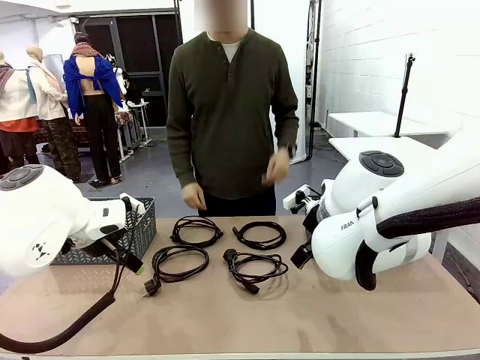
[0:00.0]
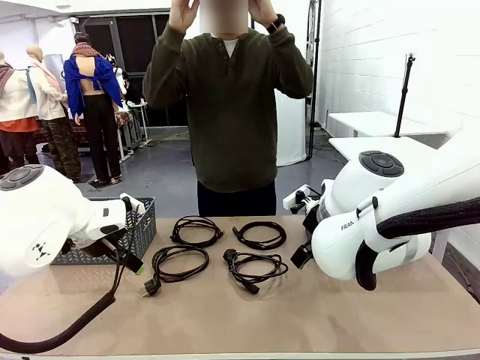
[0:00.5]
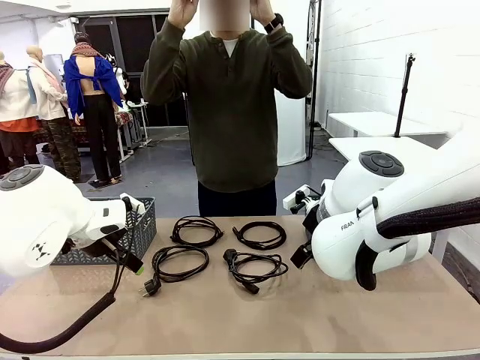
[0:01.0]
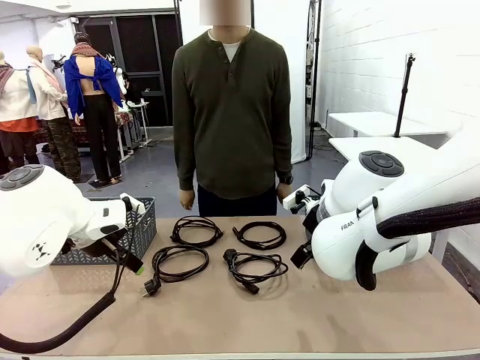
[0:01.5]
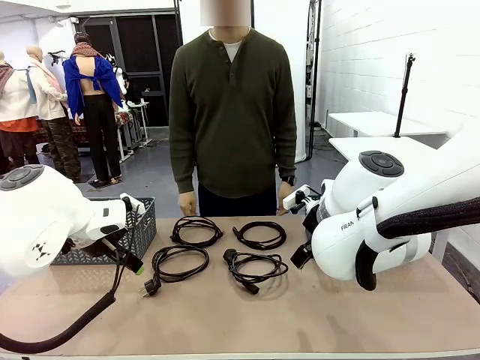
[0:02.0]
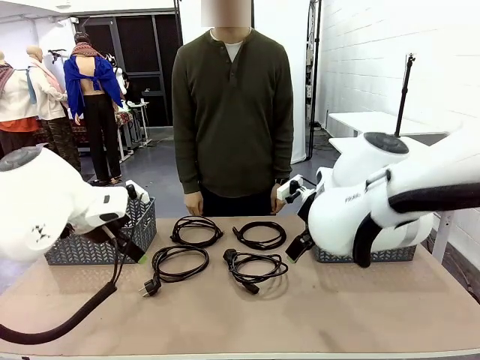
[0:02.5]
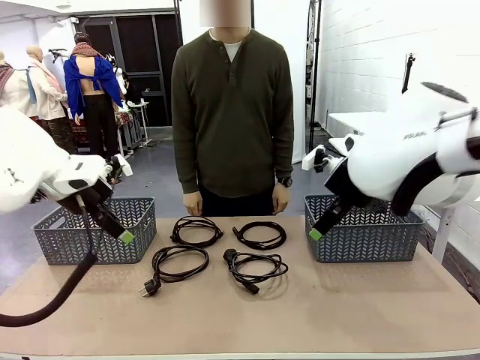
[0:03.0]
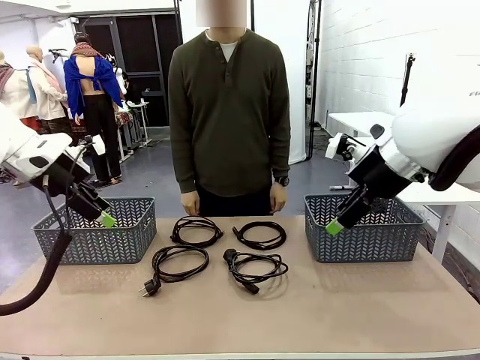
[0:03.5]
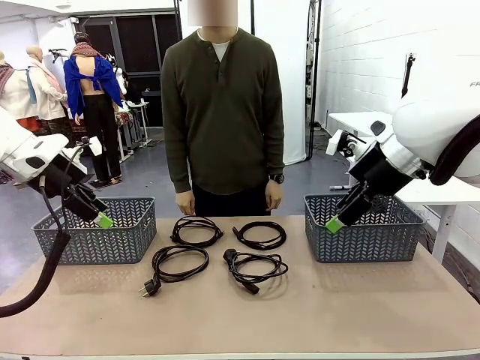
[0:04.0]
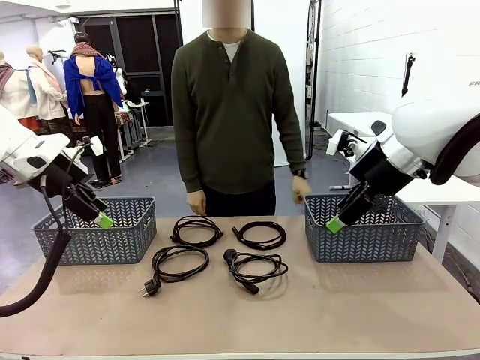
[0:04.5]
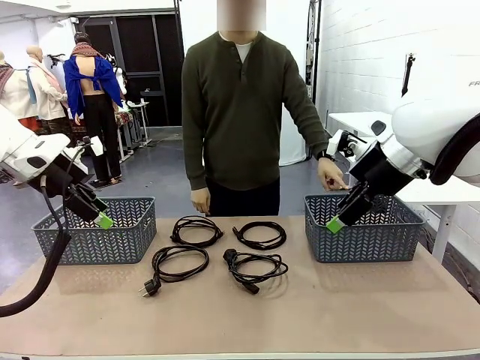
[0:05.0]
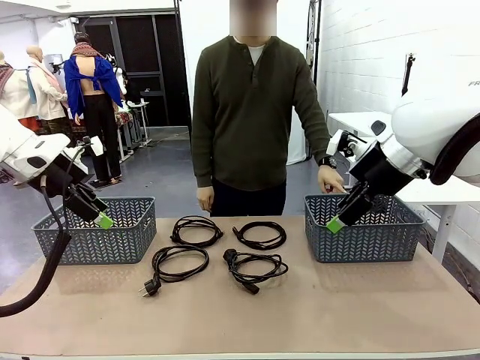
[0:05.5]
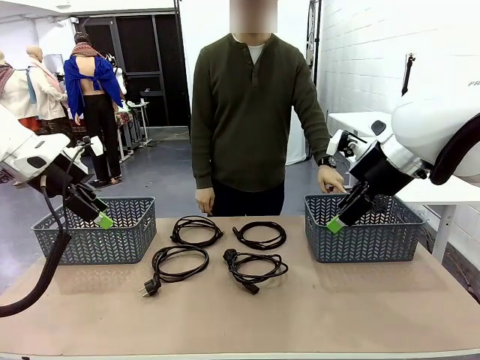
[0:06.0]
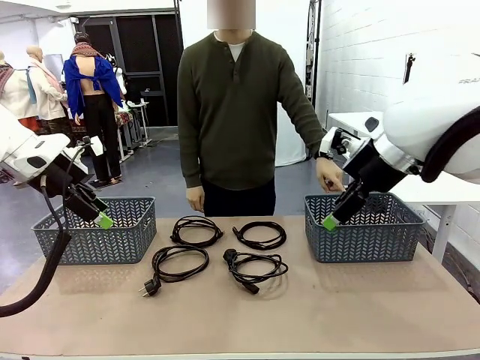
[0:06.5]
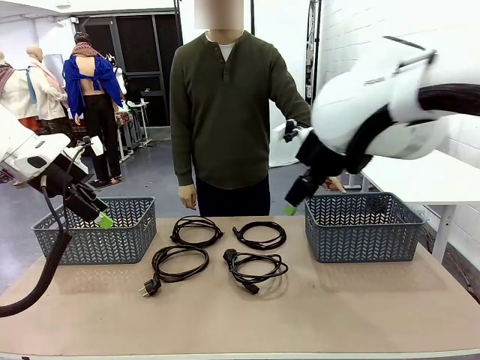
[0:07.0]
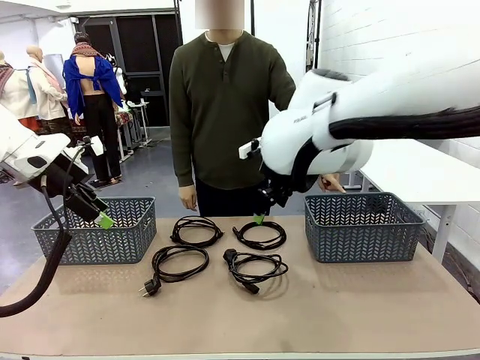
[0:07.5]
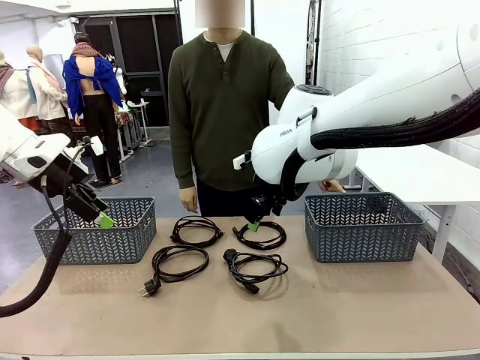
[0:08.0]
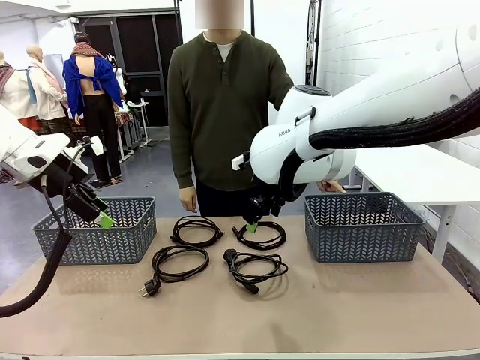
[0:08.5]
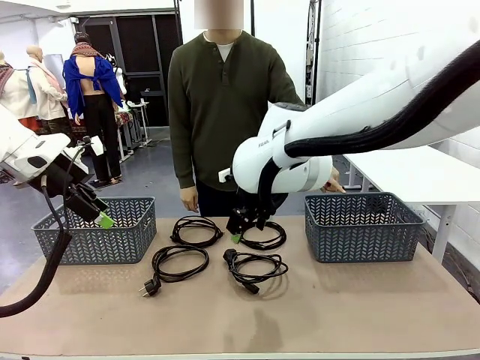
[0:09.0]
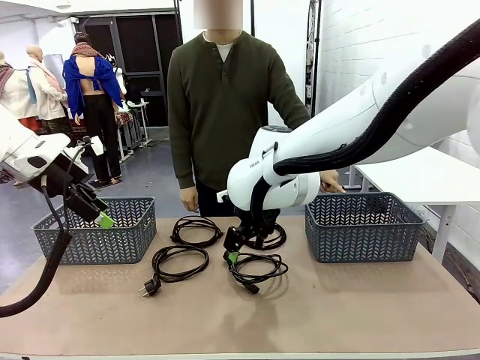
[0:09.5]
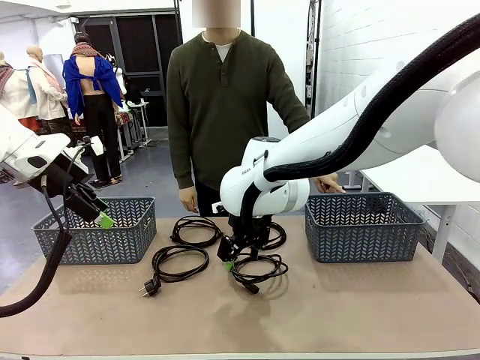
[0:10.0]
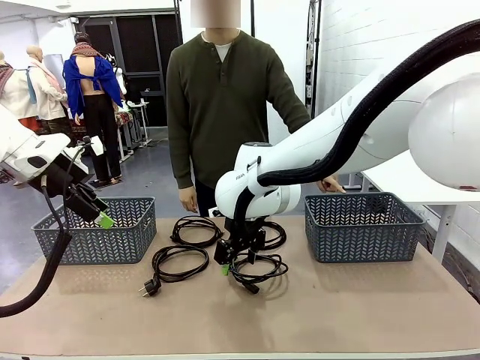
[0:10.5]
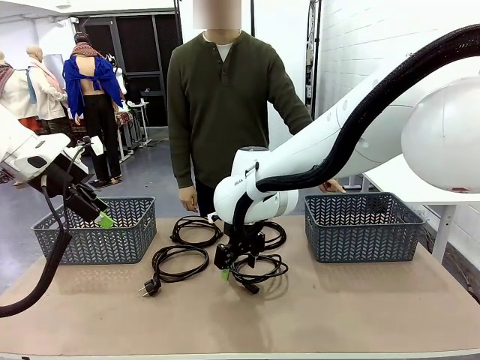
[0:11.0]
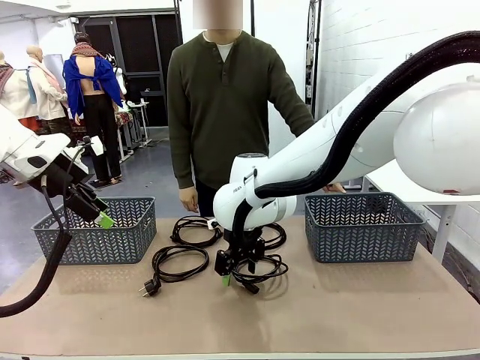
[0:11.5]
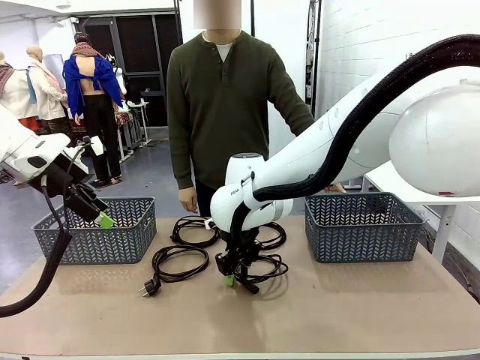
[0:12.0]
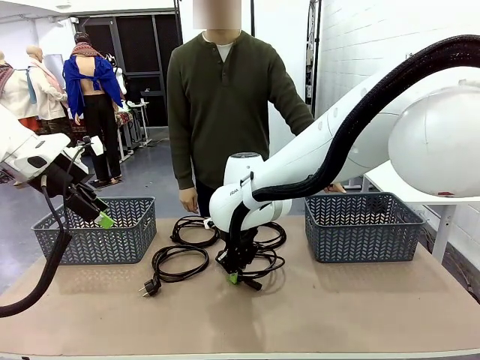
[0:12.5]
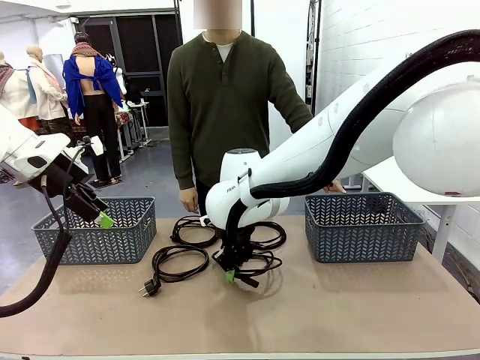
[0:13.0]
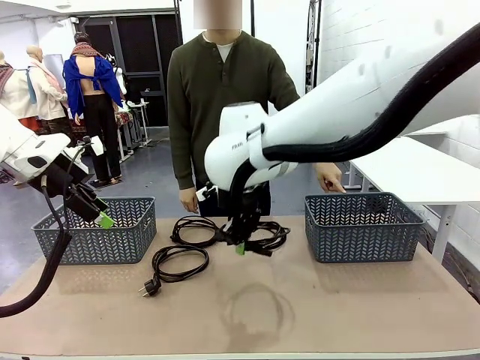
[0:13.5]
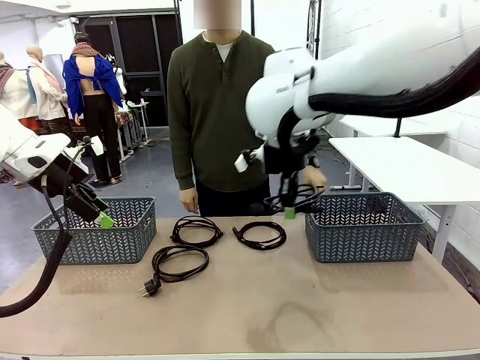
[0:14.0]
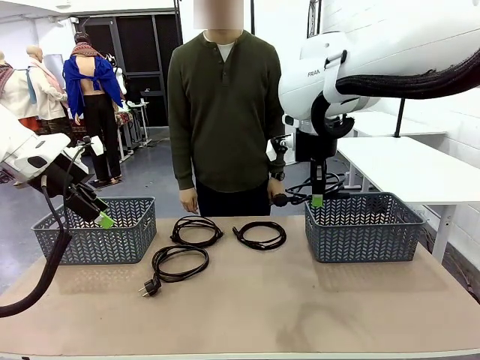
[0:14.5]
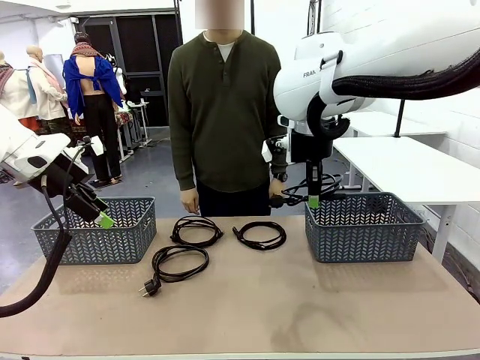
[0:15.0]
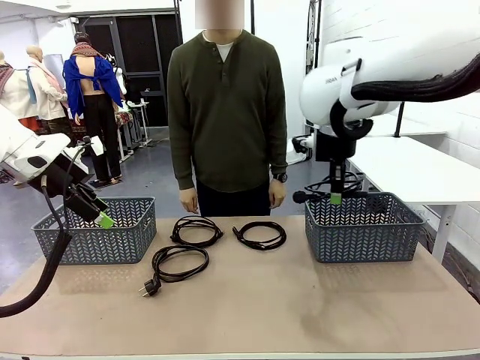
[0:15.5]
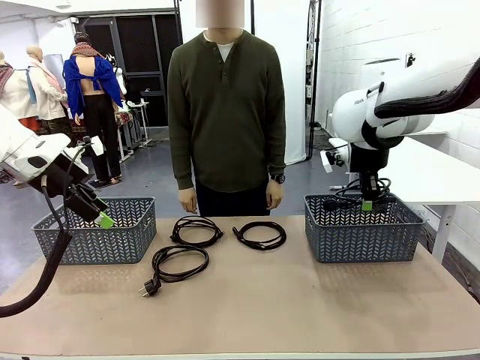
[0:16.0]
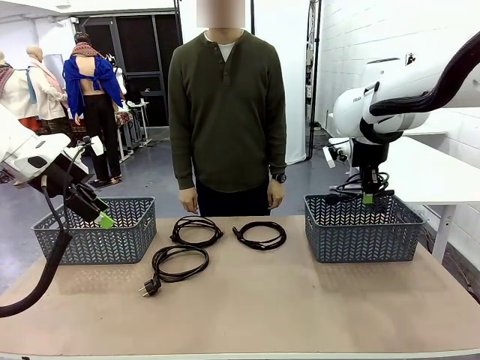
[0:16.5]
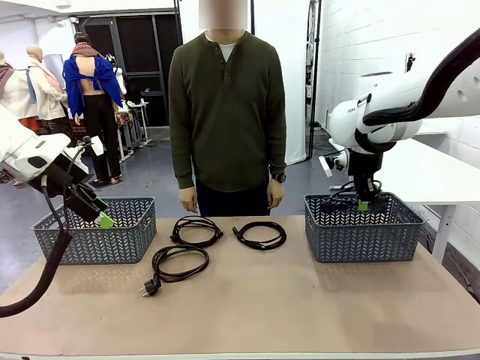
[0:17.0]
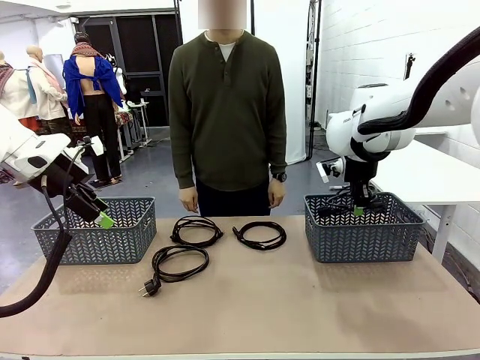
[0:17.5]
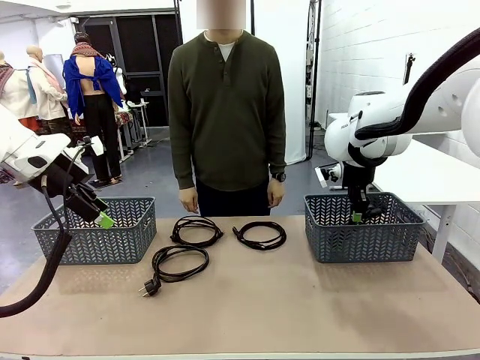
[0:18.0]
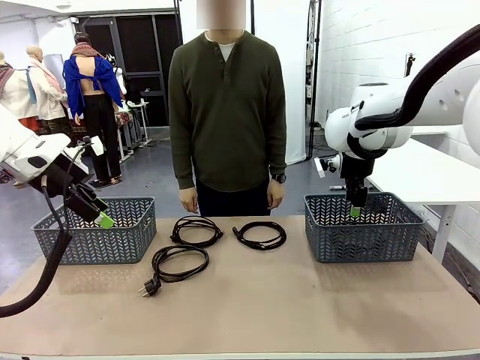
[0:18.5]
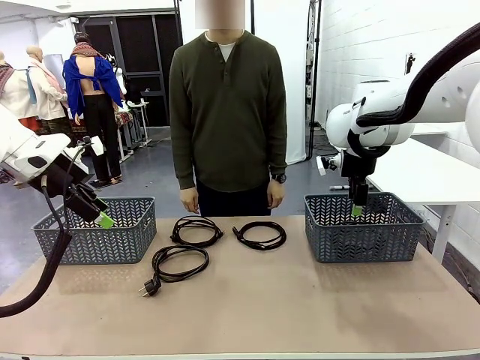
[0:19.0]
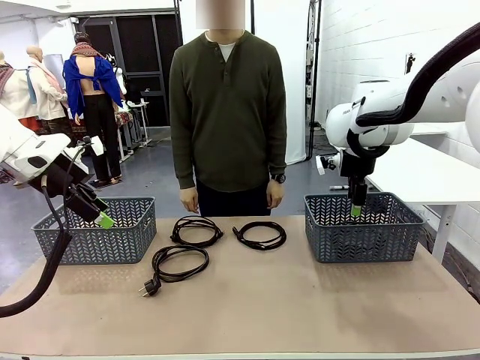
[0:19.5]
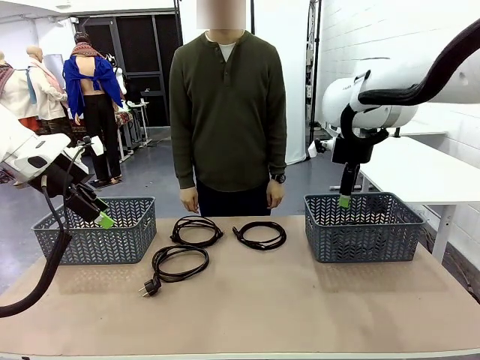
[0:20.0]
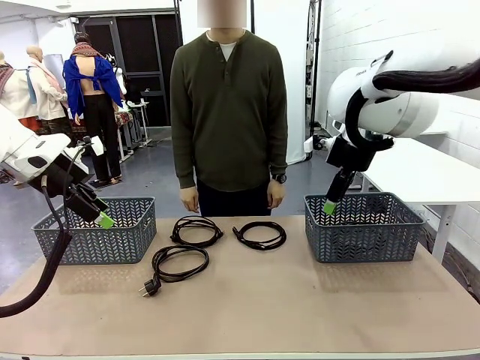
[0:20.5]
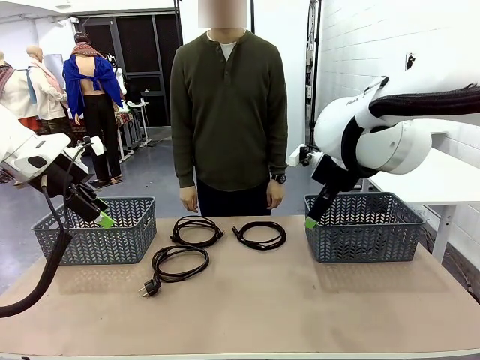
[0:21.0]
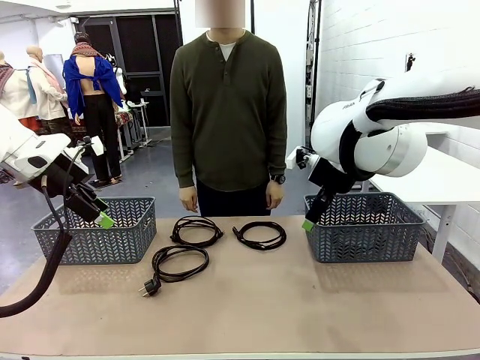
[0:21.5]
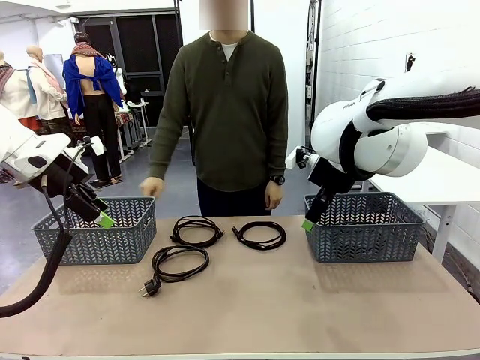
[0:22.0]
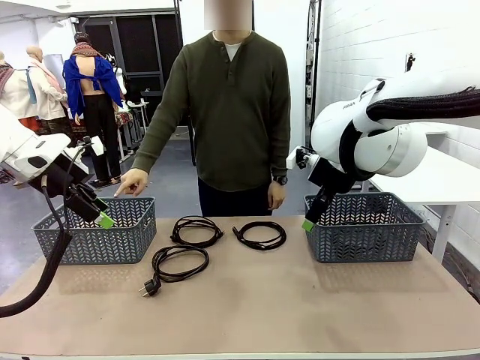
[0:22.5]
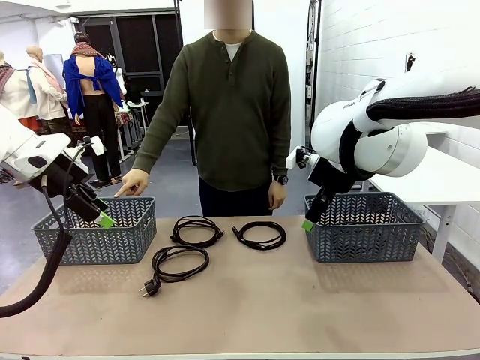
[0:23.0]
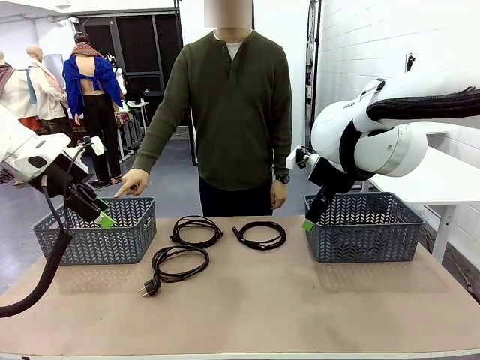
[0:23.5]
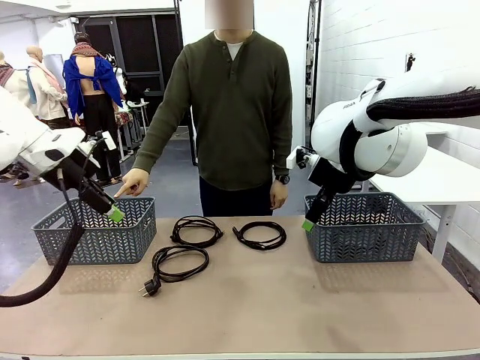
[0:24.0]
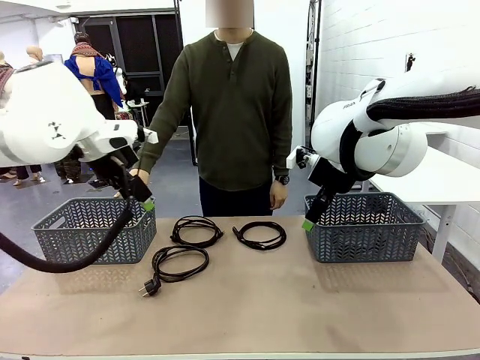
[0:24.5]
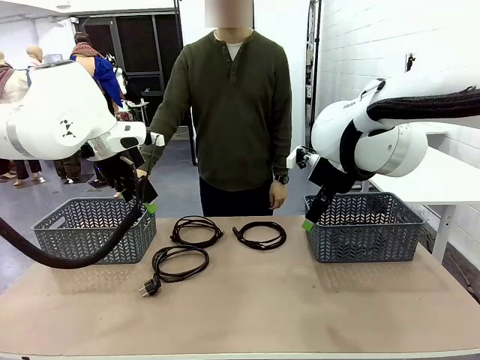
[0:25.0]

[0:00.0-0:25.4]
Task: Organize the cables according to human instructions.
Robot: Pick up a bundle of cables and place it in the basket indicated by the human.
